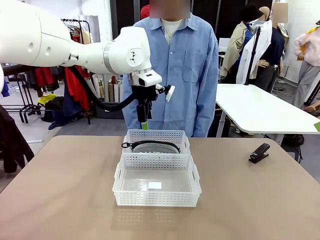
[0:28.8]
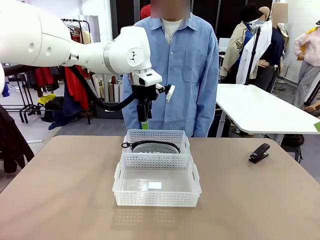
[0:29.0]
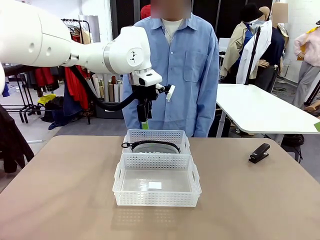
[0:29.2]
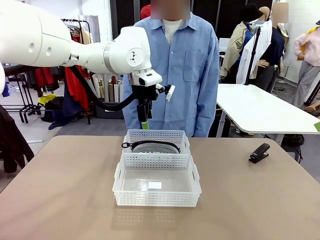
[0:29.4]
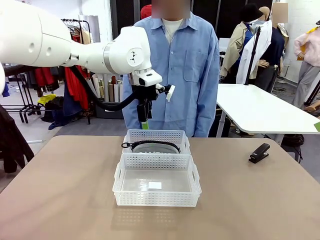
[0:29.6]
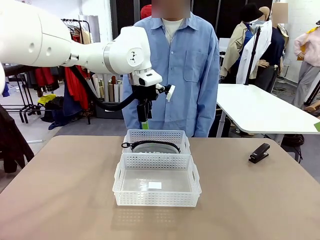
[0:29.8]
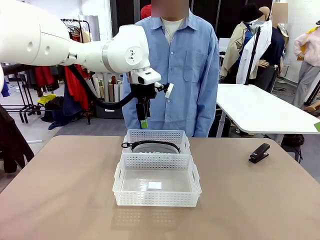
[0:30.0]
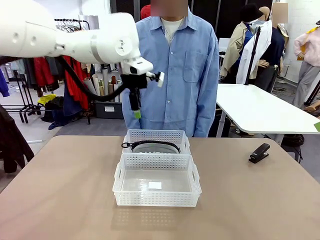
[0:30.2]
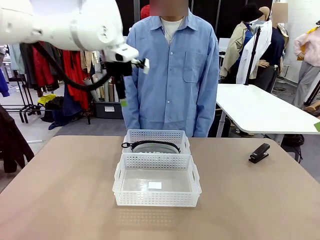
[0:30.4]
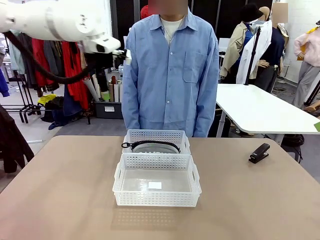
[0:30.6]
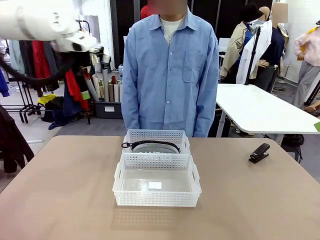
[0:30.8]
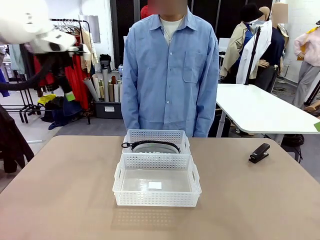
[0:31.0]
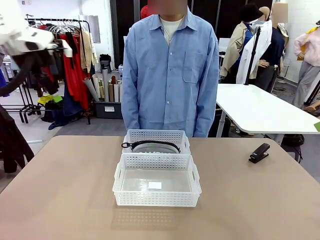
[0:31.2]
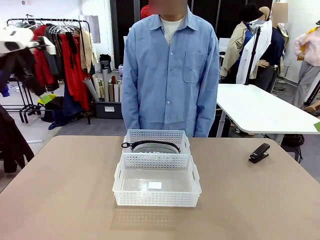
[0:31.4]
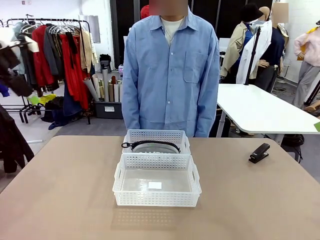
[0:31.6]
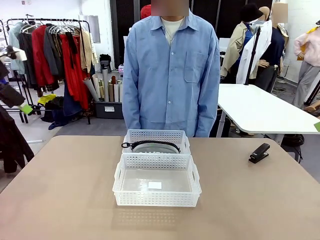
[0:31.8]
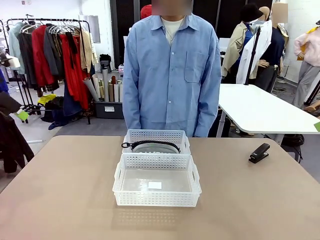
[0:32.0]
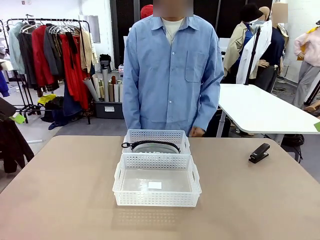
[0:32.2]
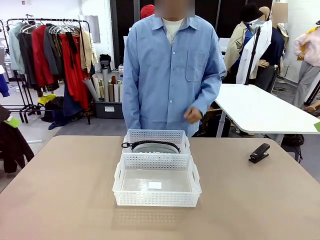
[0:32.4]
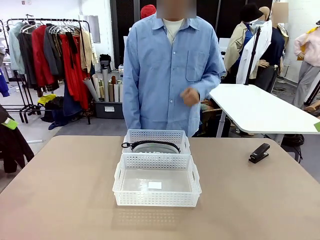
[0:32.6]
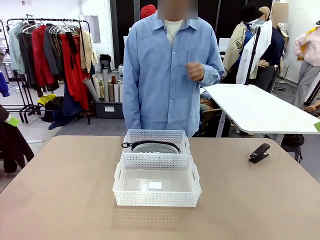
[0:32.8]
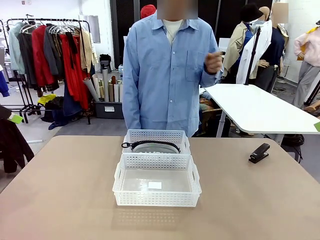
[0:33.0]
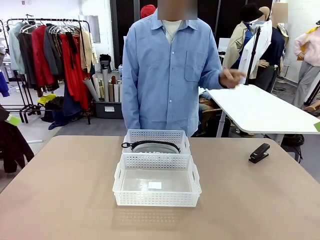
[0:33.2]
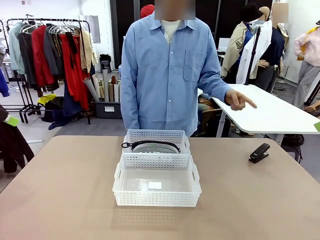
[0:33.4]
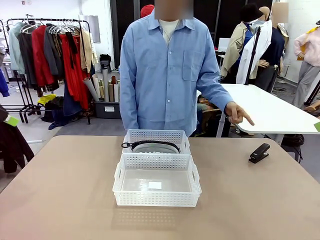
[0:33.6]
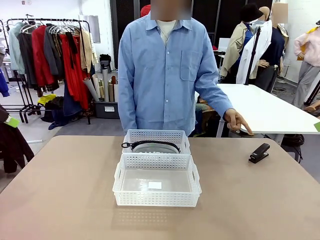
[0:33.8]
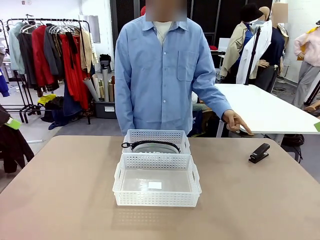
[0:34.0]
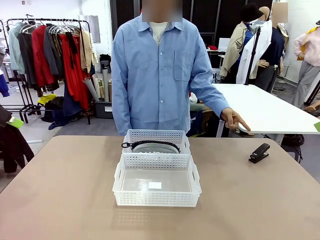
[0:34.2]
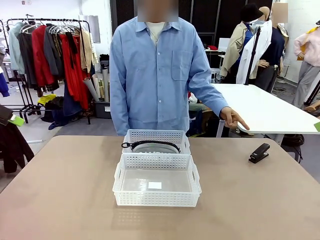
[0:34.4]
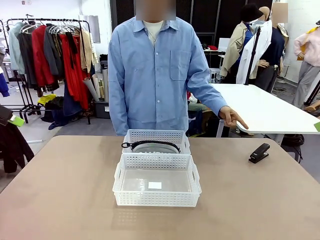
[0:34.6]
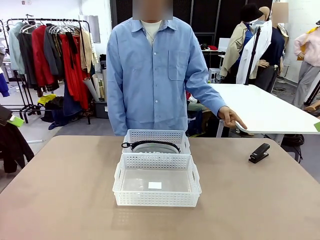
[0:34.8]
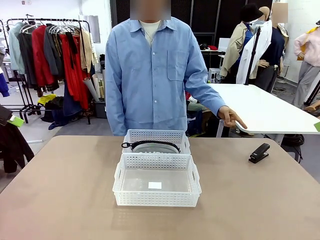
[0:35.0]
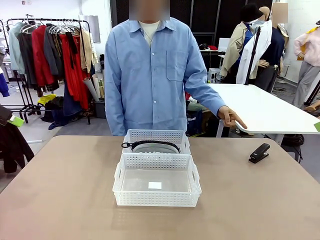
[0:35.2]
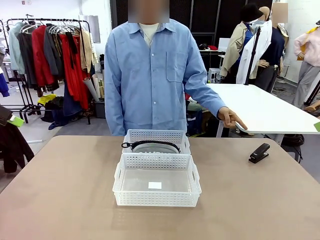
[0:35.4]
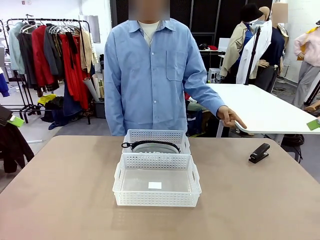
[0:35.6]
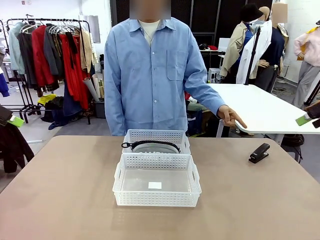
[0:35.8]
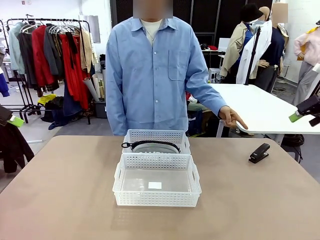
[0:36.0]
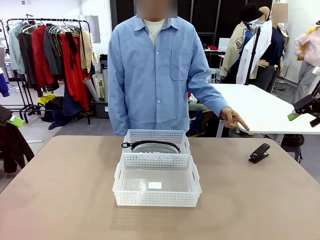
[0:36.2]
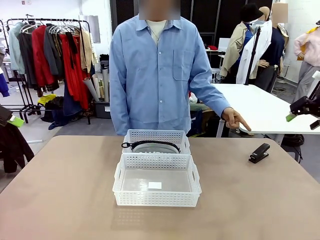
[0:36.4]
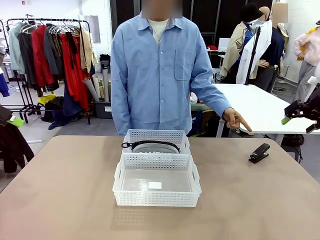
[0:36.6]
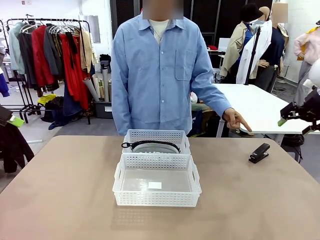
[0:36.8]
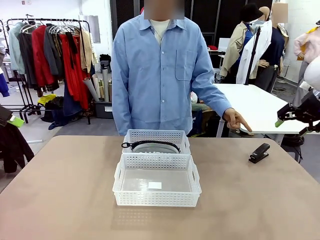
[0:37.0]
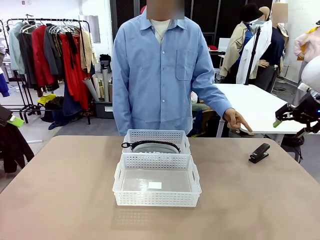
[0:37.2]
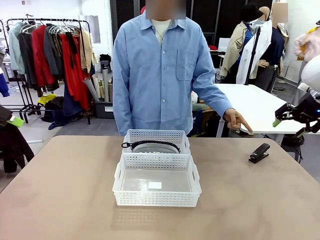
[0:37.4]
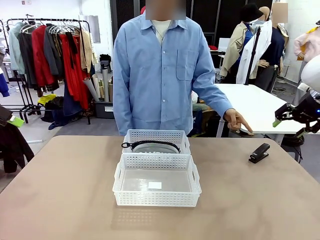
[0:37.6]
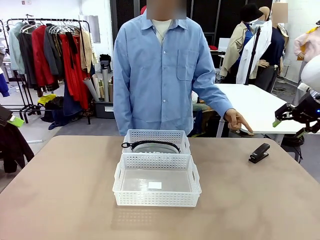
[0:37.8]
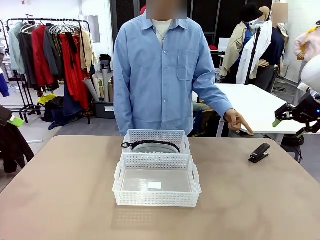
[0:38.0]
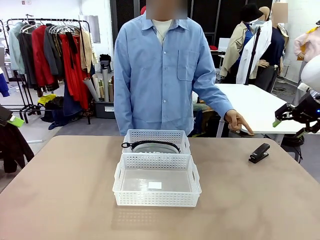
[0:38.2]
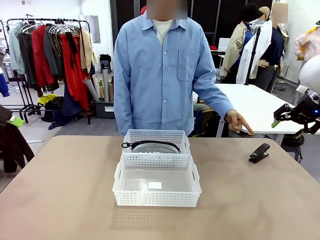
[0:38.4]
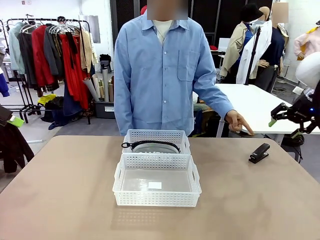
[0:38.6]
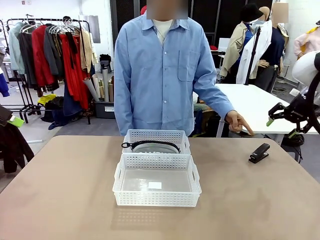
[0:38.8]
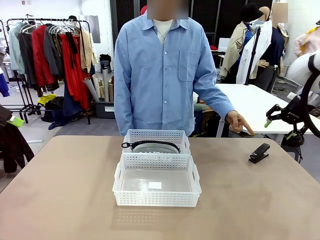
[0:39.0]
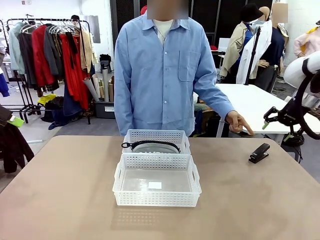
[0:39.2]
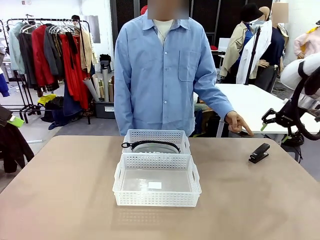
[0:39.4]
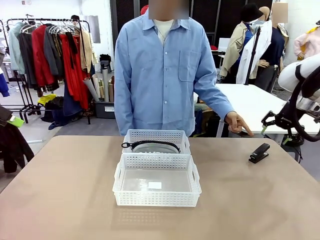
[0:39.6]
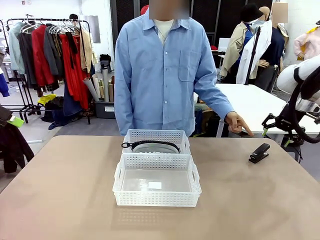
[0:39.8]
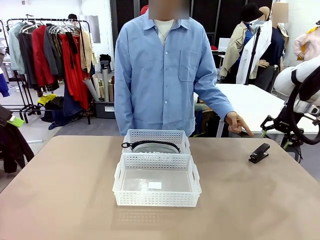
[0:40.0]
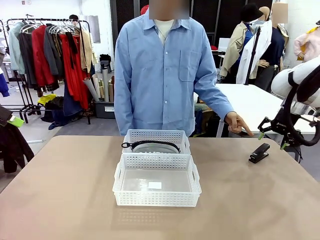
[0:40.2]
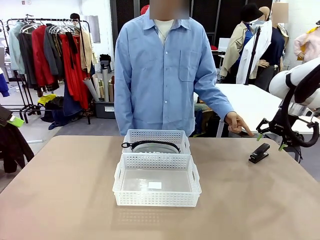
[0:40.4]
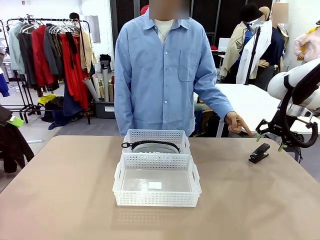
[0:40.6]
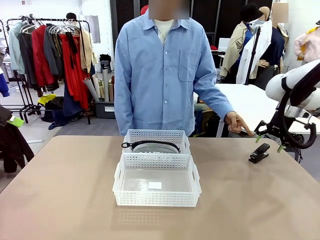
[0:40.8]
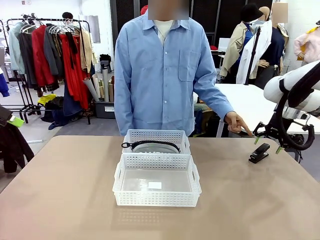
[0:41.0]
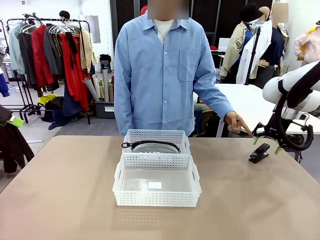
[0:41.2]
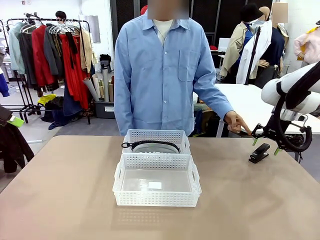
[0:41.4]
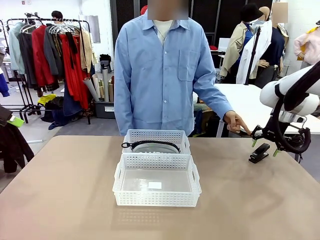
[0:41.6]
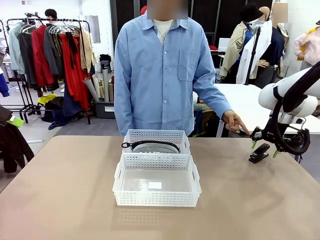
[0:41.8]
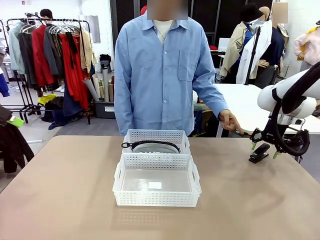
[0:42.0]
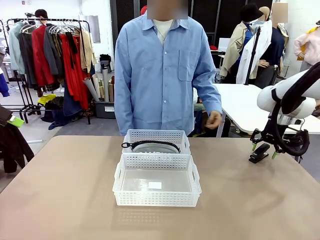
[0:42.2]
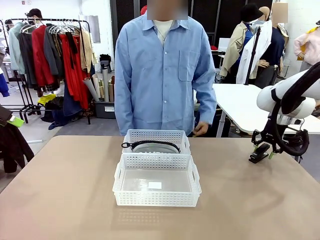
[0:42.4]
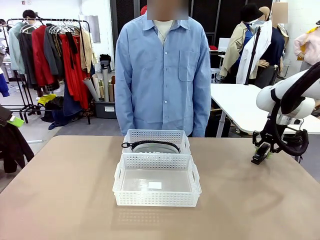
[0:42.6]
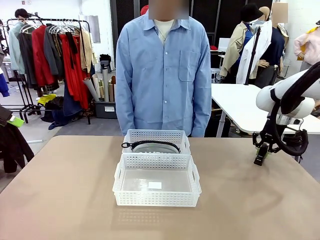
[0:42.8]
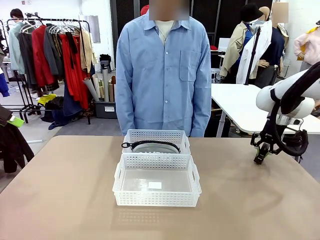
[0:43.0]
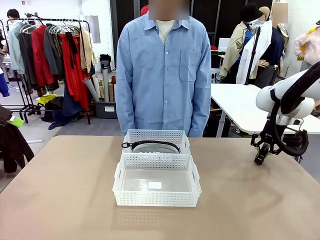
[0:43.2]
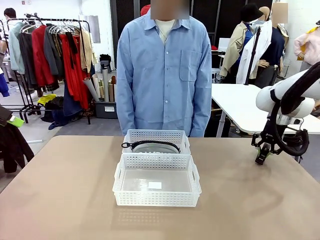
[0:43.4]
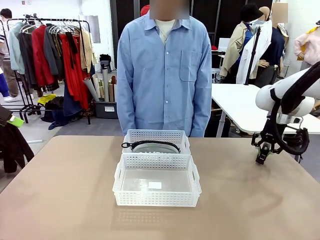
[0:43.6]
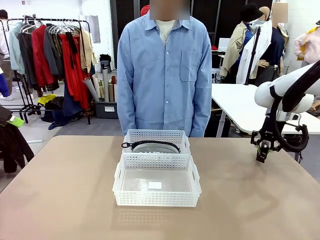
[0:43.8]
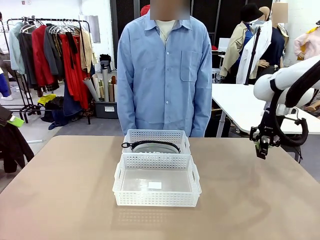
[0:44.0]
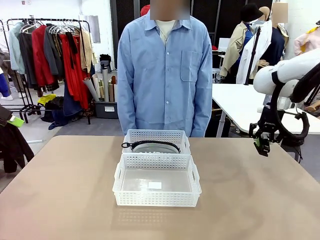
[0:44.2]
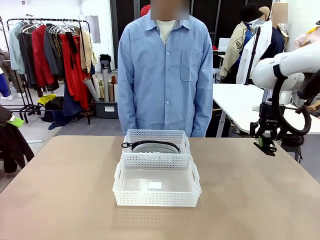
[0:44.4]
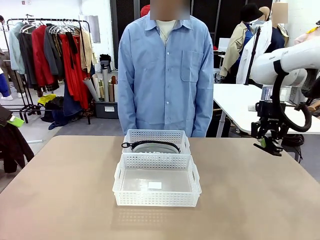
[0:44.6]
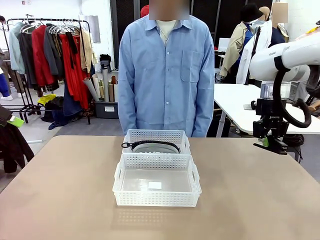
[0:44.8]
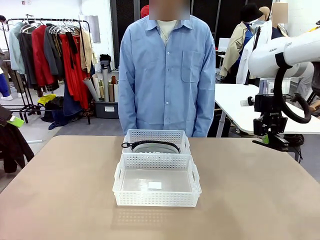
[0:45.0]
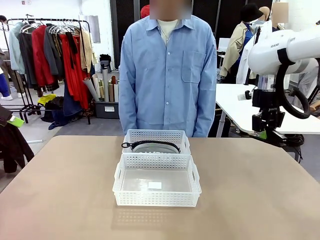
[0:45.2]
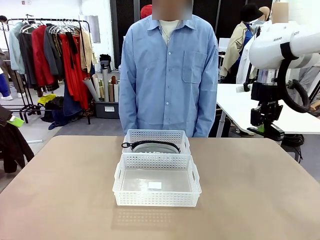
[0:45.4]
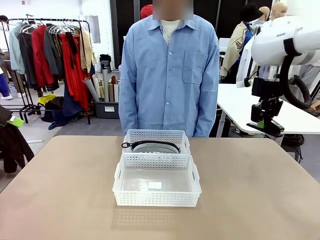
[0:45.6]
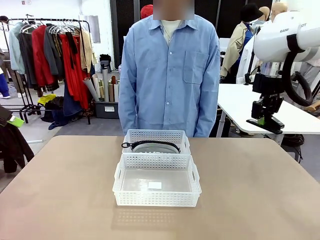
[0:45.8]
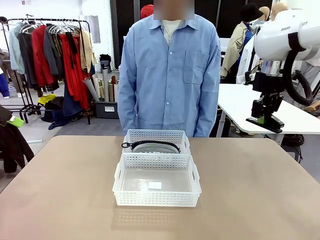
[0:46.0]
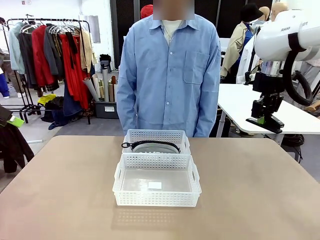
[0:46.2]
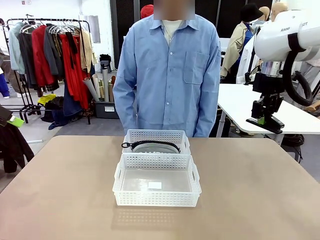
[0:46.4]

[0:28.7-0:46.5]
Task: Distribute items into two baskets.
Robot: Pick up the Stapler that the person points to.
